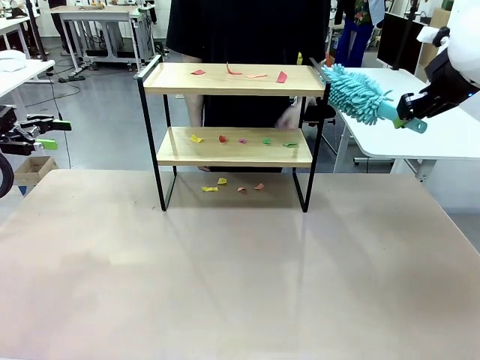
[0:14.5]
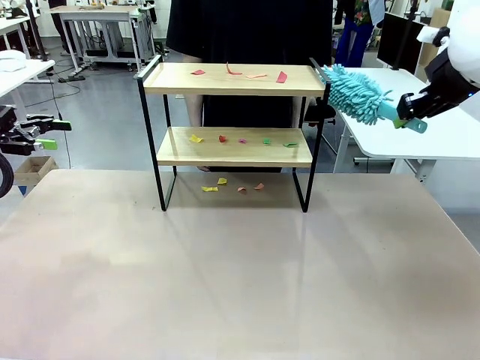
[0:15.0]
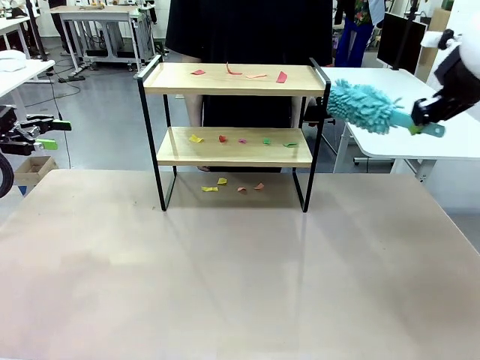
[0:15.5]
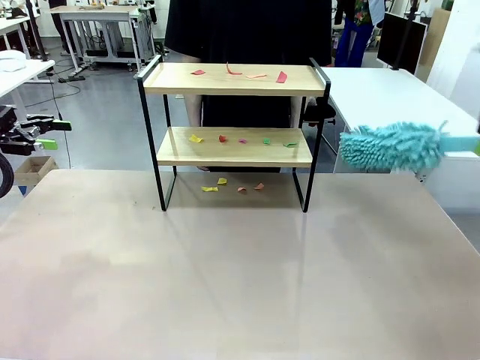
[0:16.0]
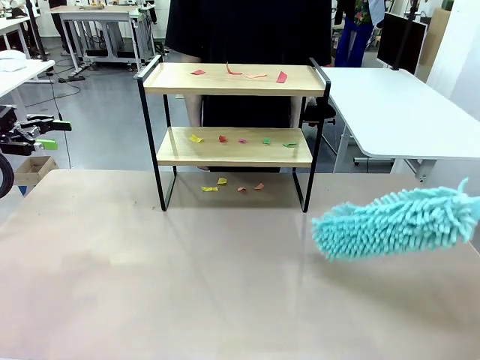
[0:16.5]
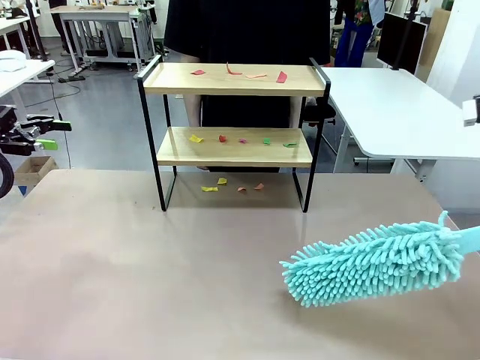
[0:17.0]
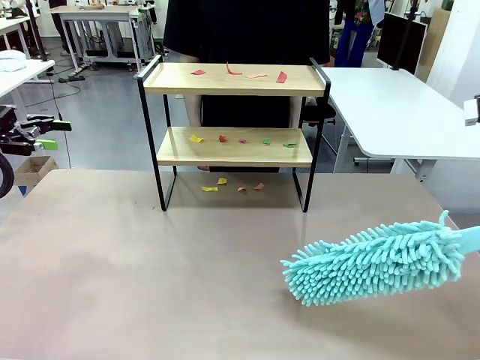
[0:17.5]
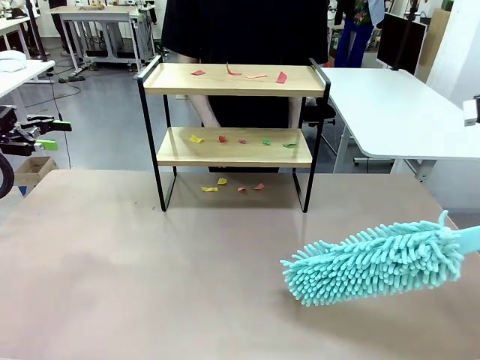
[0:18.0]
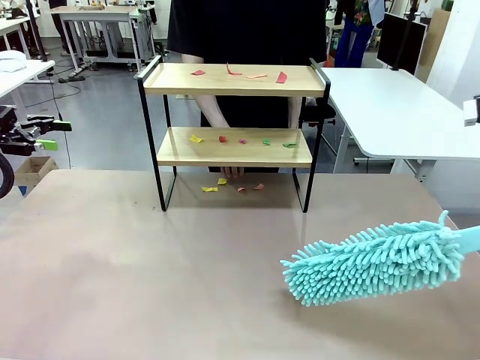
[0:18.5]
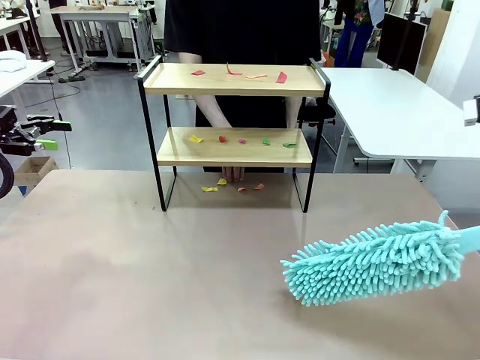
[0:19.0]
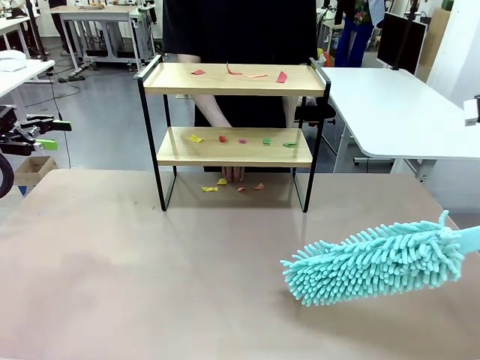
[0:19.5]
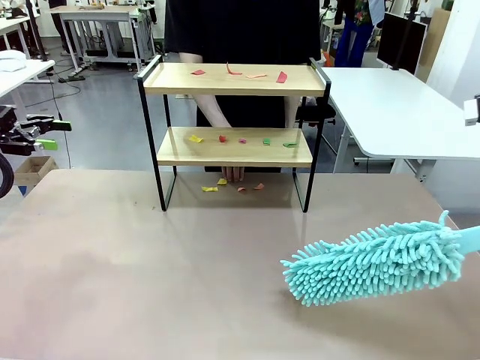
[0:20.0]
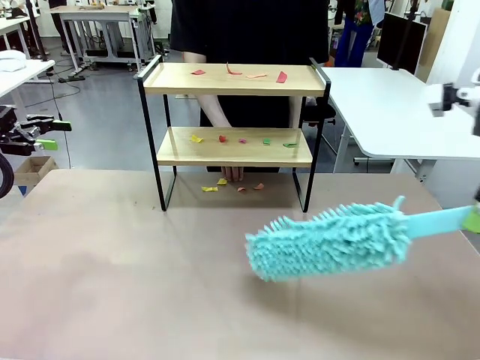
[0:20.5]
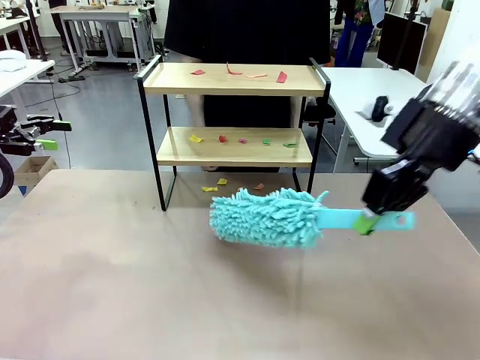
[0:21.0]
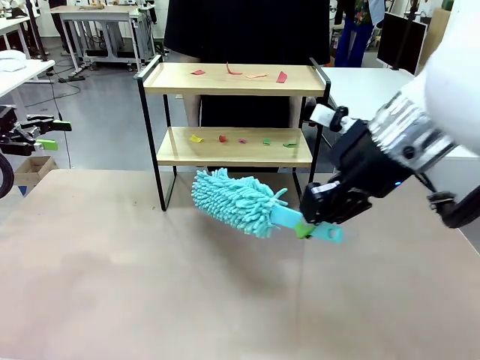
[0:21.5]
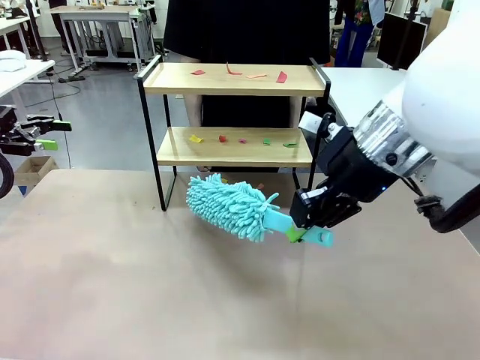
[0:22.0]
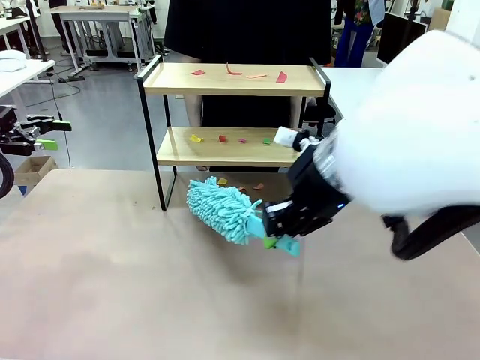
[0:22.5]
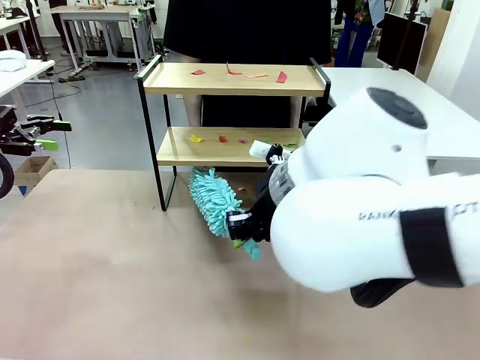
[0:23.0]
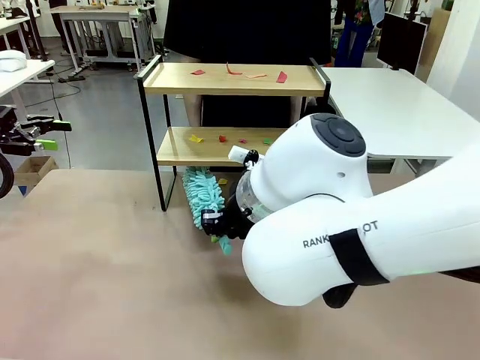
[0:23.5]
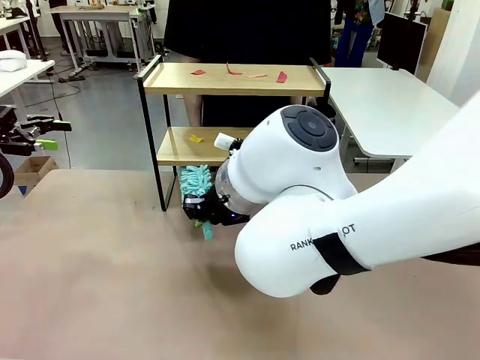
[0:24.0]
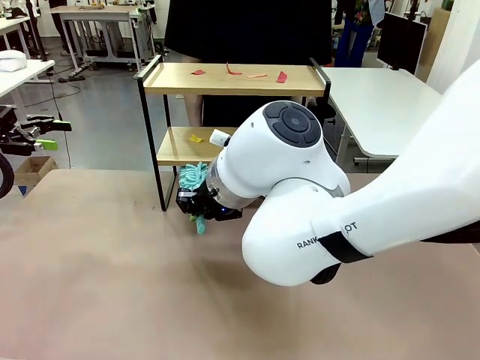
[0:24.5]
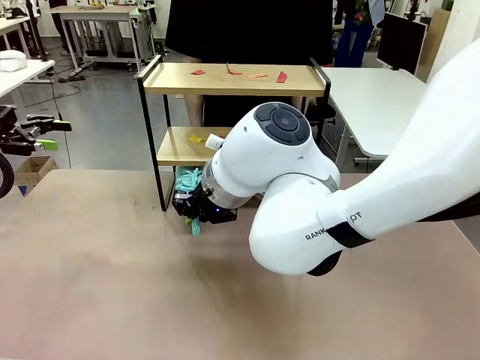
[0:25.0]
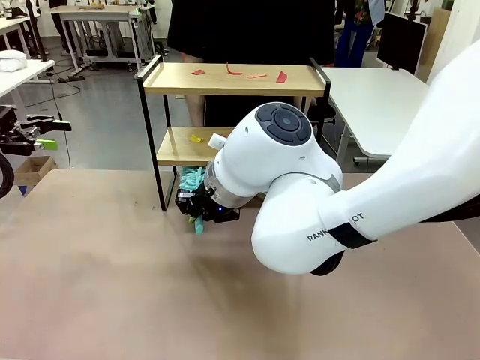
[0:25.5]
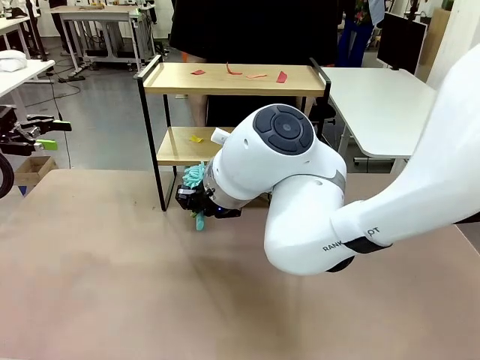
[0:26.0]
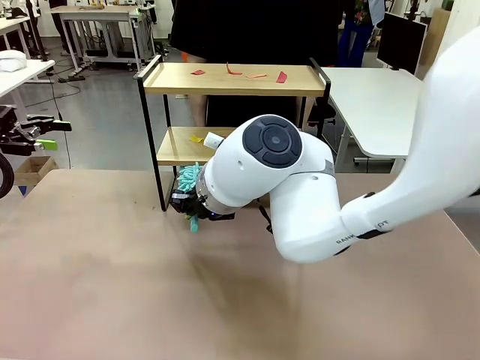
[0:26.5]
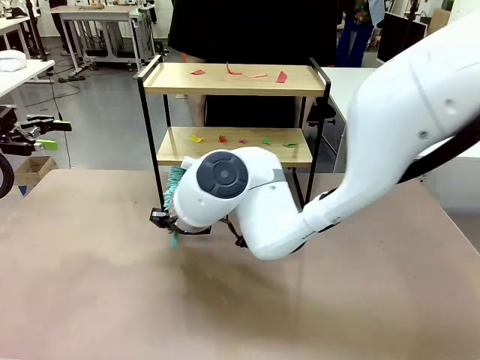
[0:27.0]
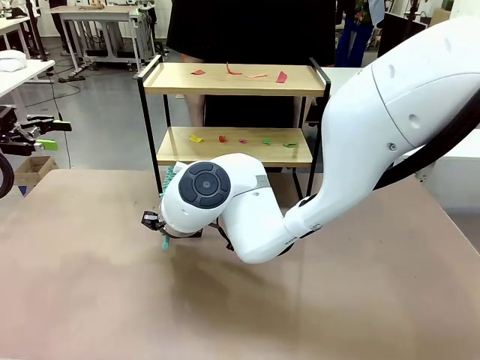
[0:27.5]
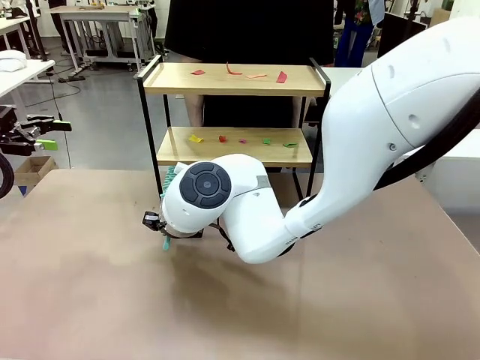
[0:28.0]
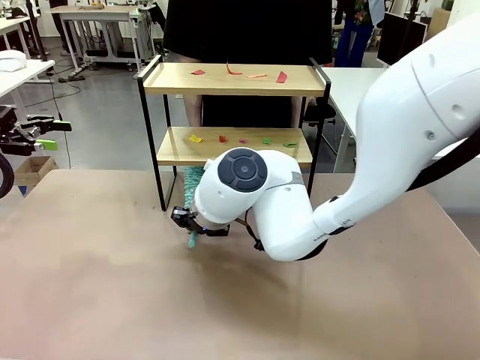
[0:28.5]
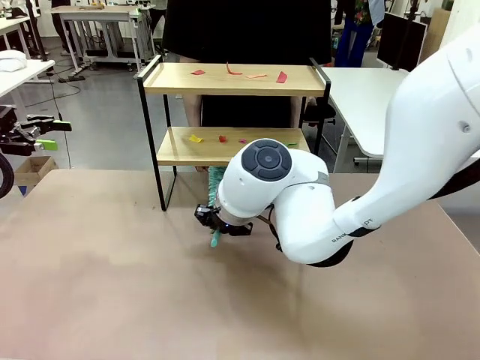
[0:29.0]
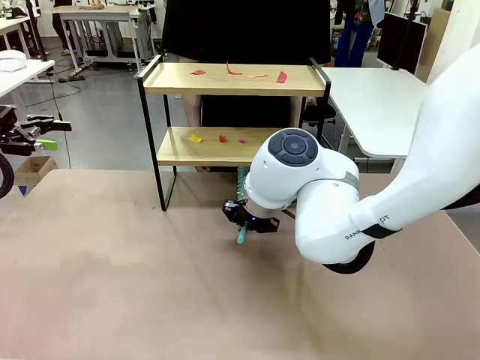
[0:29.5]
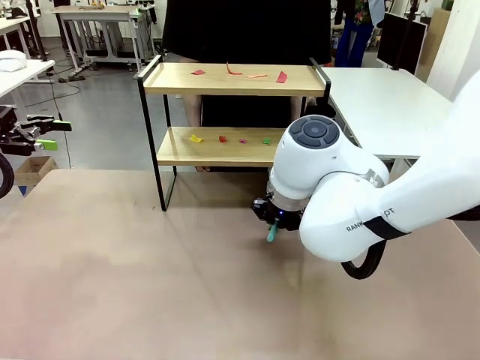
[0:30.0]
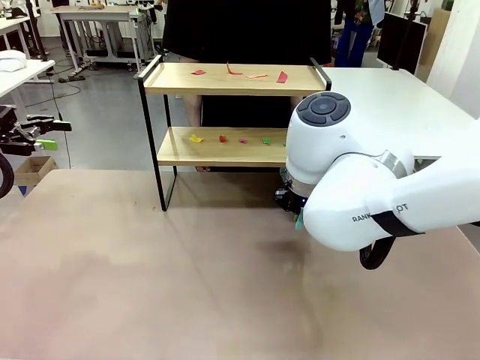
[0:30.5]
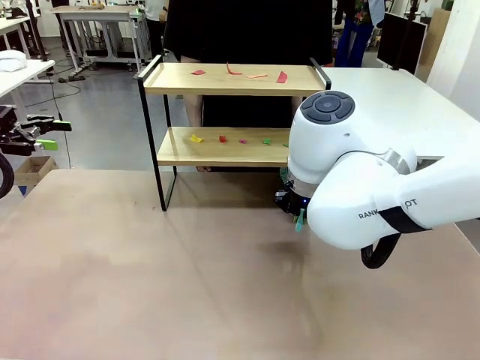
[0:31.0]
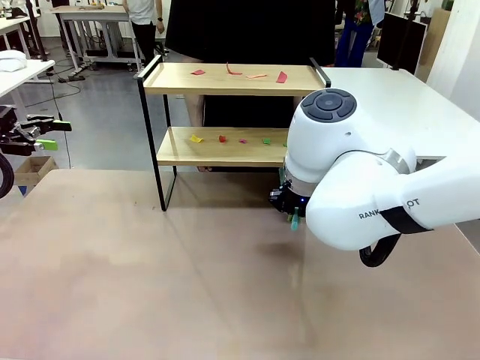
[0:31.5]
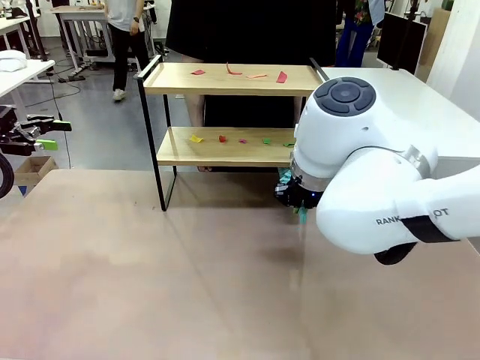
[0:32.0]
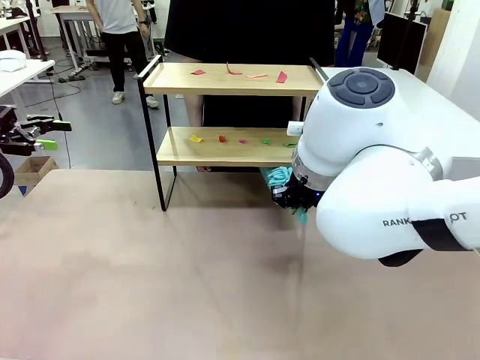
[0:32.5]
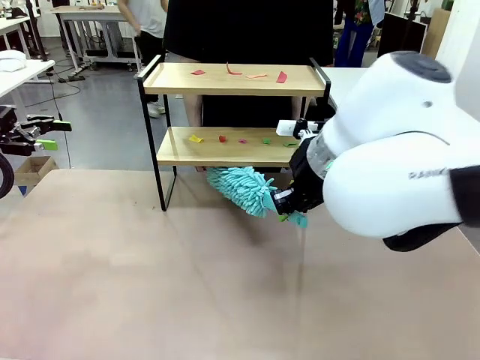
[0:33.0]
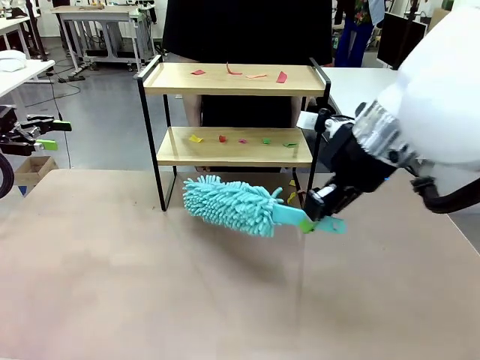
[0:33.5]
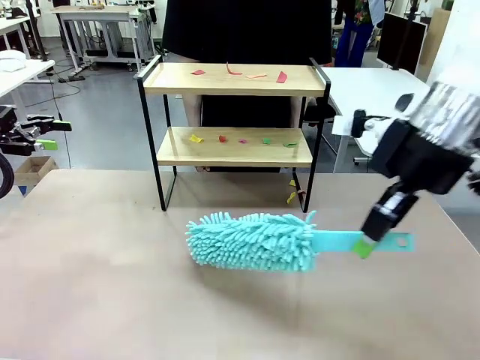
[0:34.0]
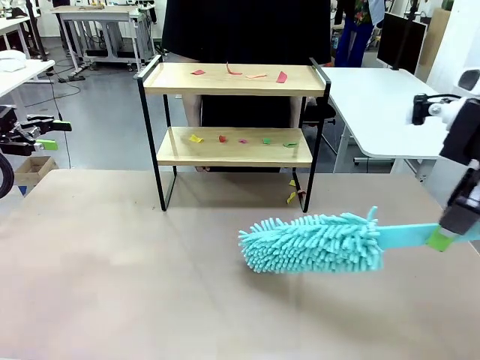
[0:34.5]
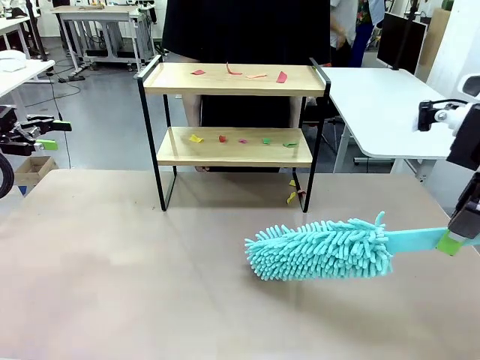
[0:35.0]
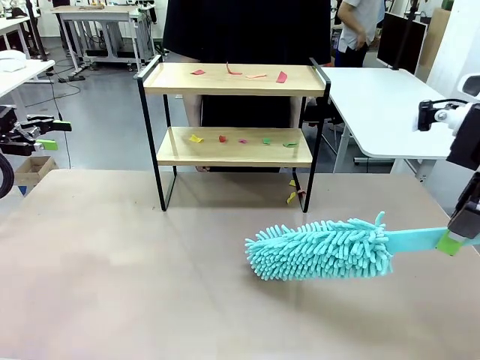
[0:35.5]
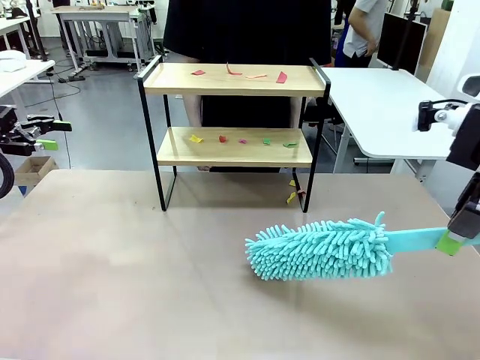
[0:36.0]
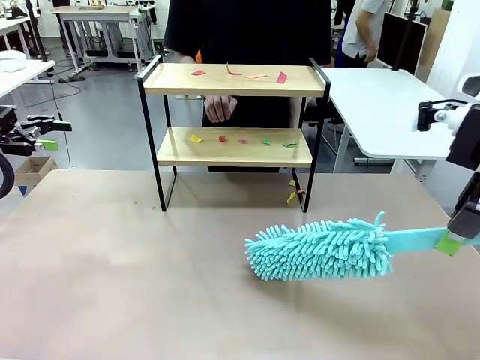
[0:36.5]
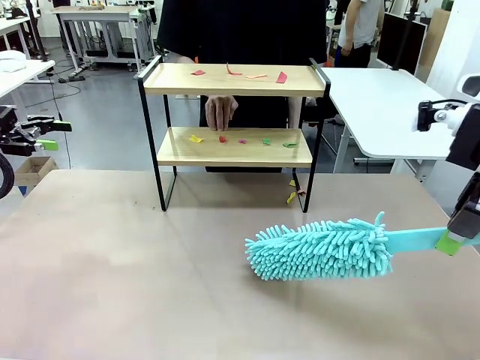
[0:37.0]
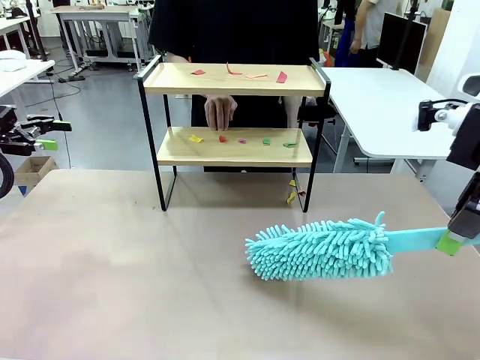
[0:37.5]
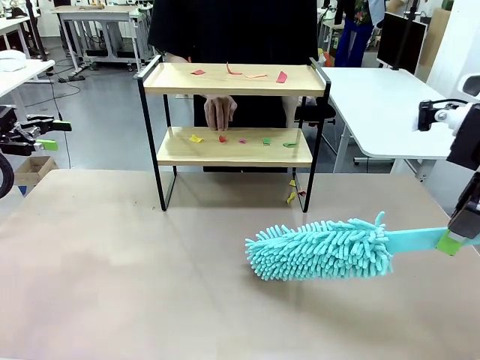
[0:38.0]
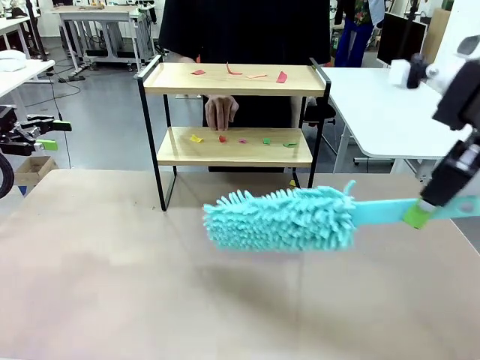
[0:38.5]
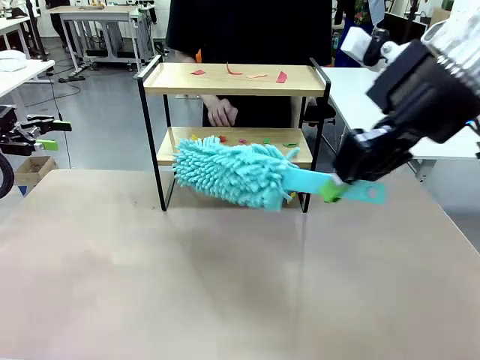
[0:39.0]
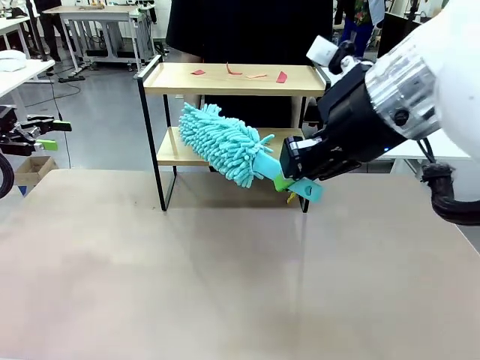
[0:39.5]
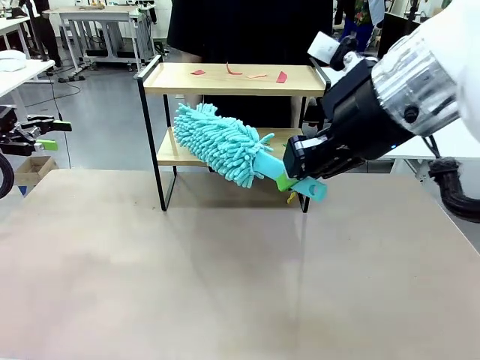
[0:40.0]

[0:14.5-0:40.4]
Task: Clean the shelf.
Robot: Clean the specific section of the Shelf indicated by the human with the Duster.
Person: Point a random section of the Shelf.
